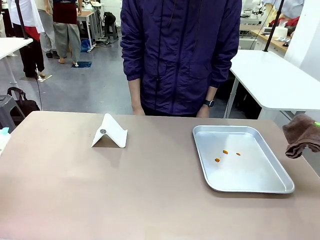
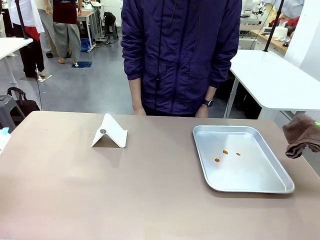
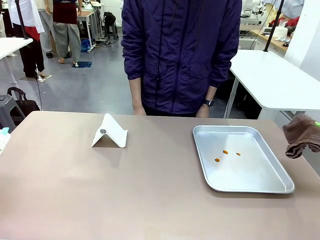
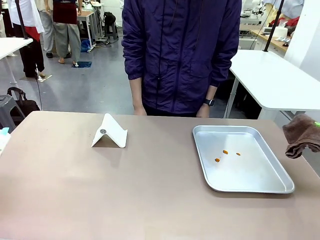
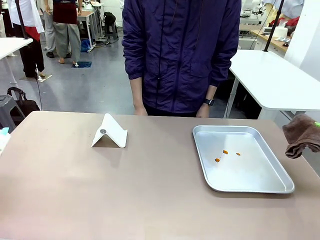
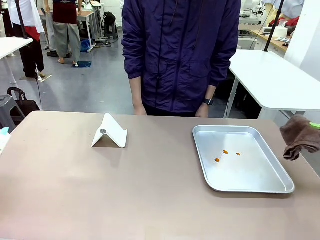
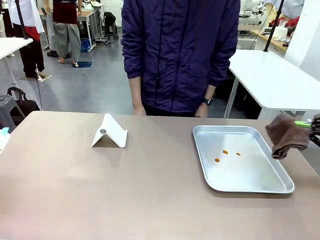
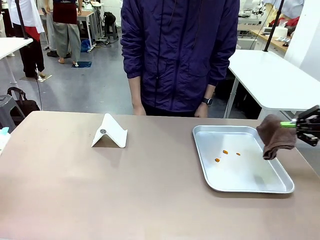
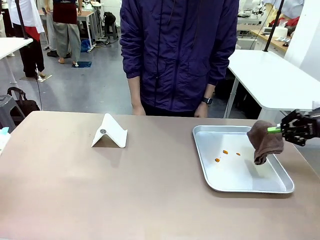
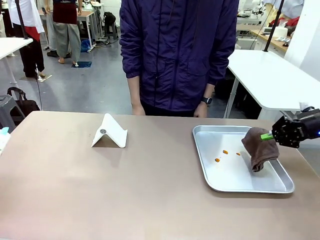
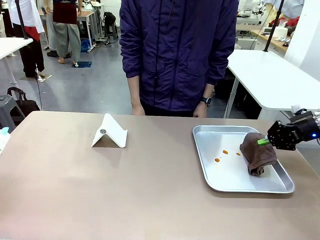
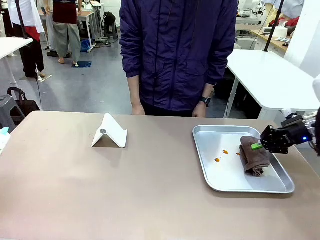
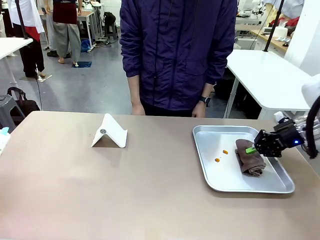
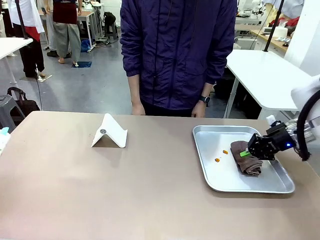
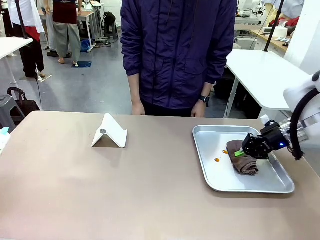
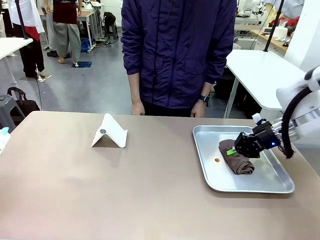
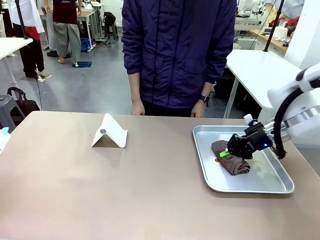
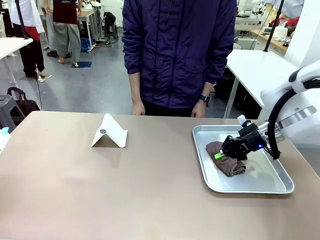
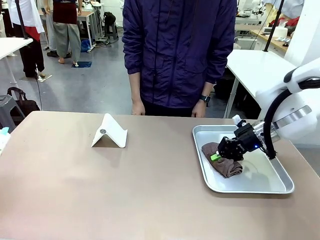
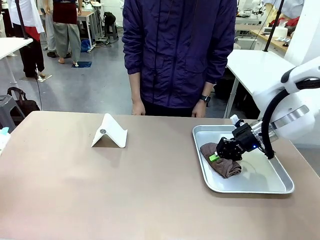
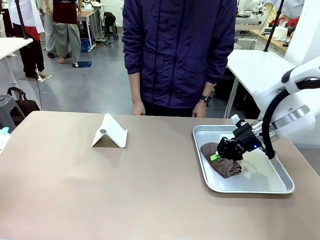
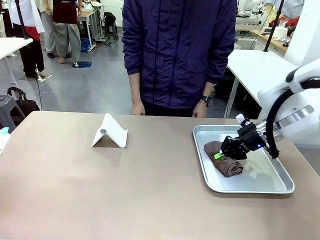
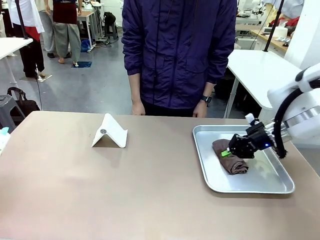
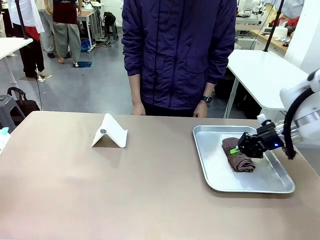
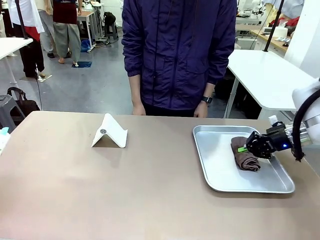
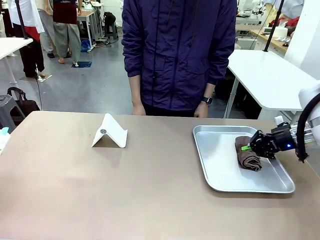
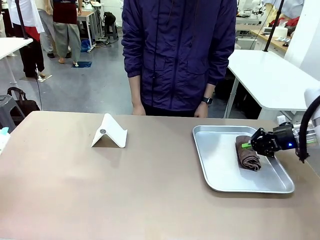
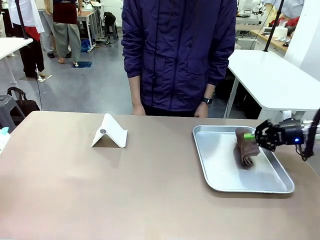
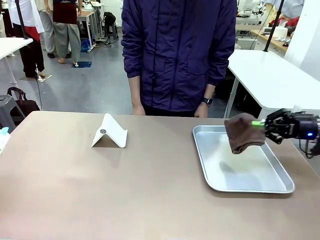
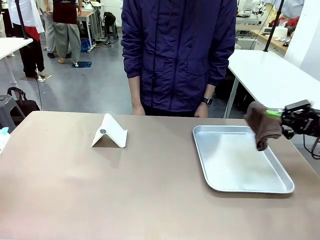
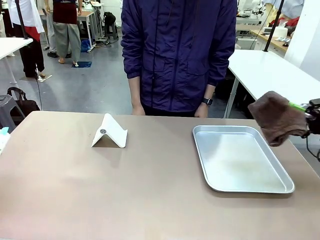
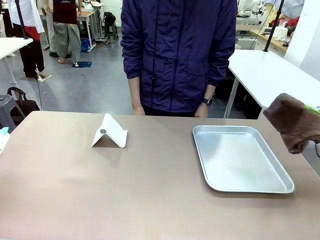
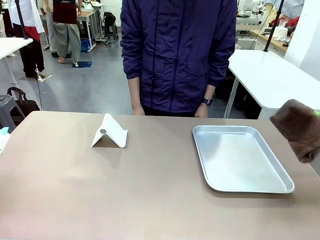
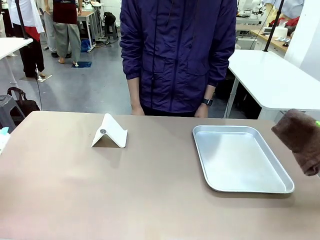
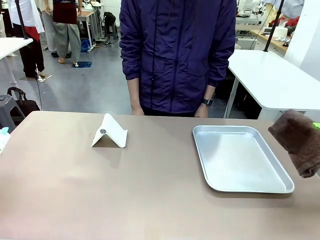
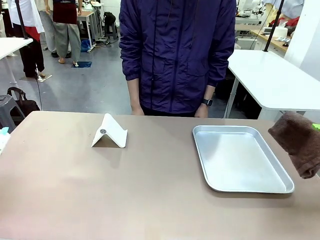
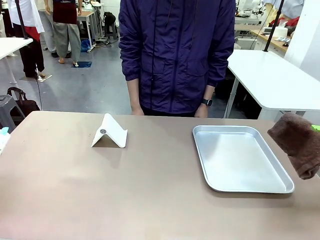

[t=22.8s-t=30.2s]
Task: Clean the surface of the table.
Robot: Clean the area not pointed to by the person.

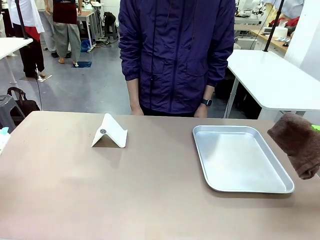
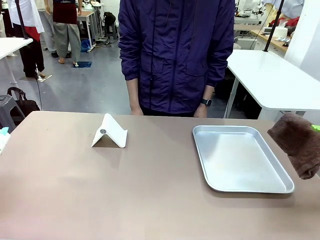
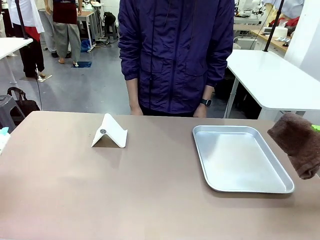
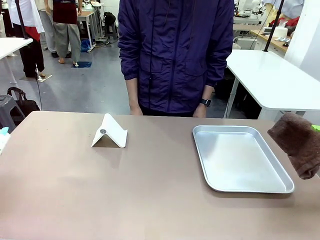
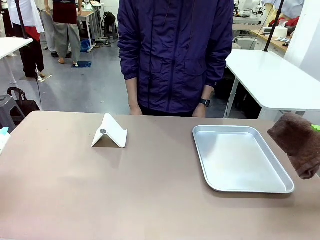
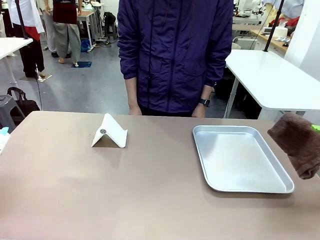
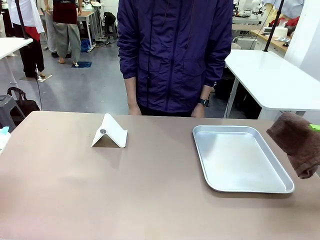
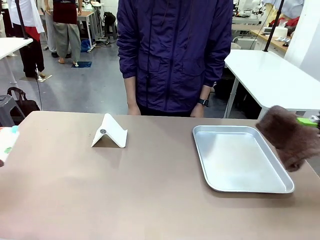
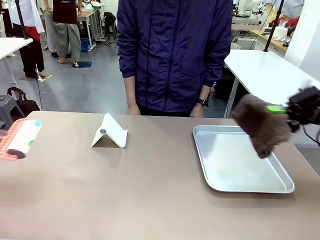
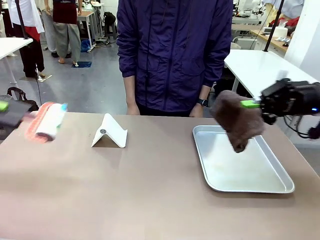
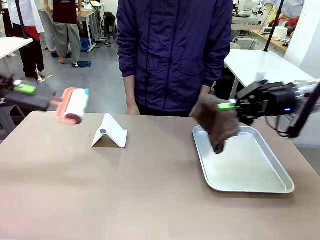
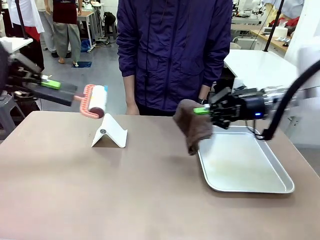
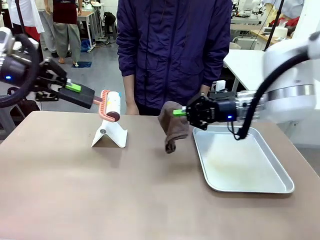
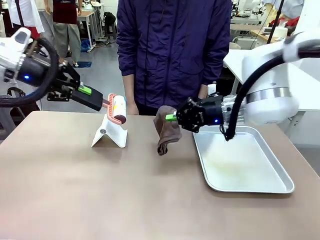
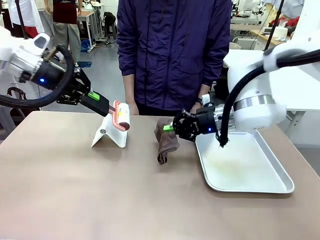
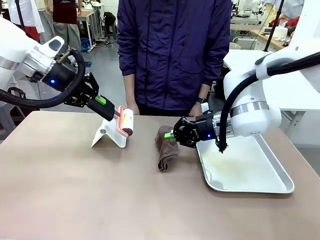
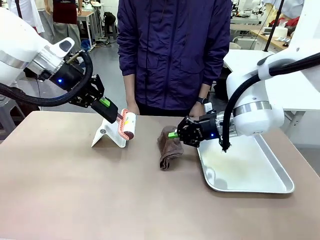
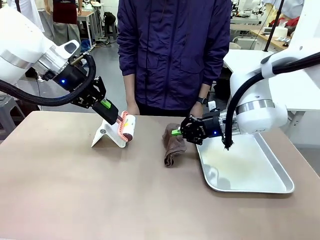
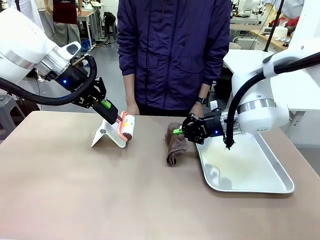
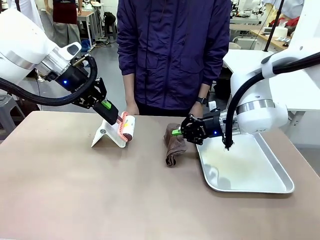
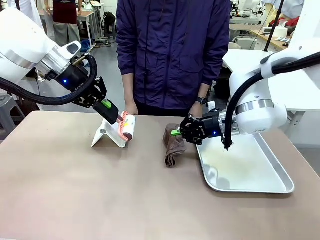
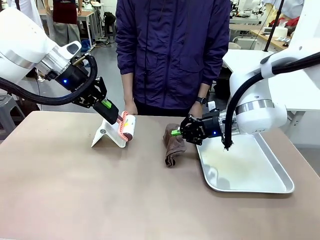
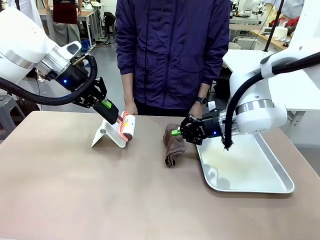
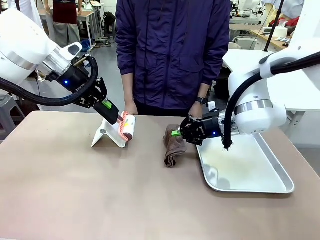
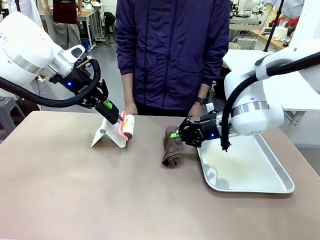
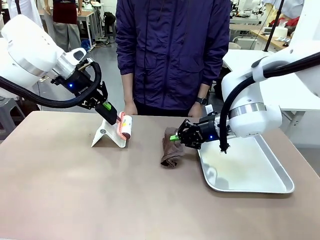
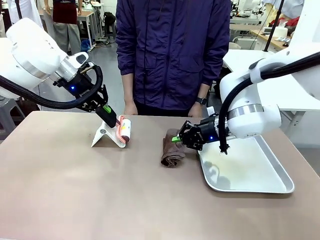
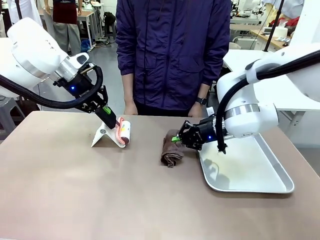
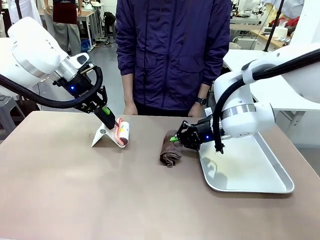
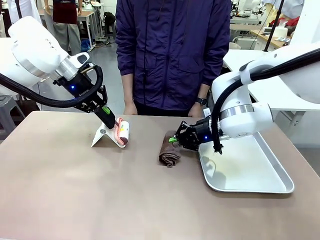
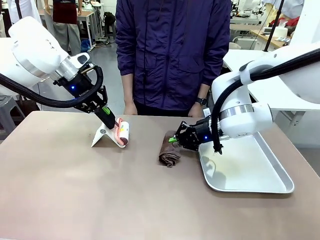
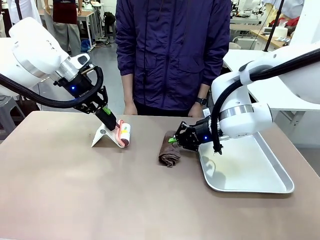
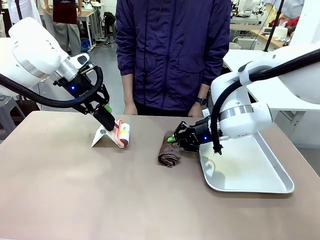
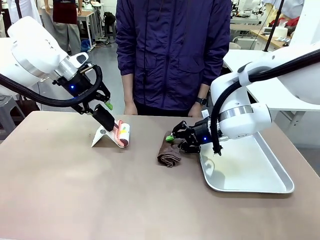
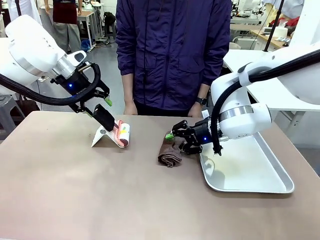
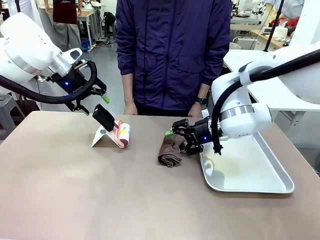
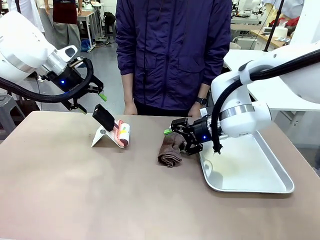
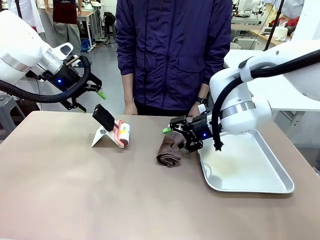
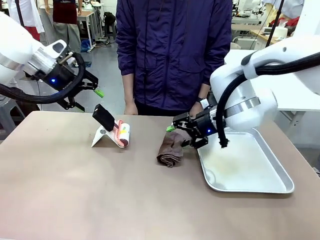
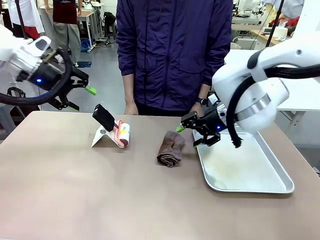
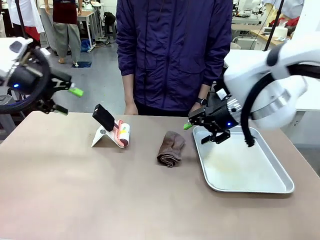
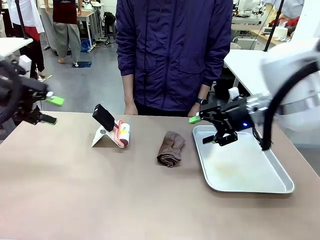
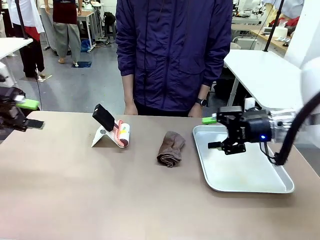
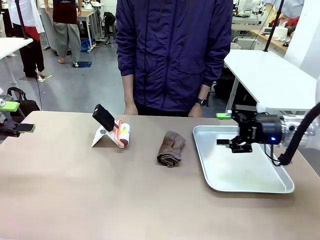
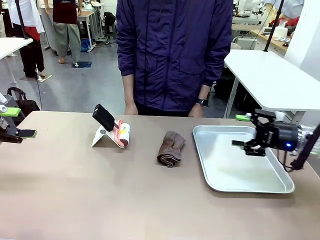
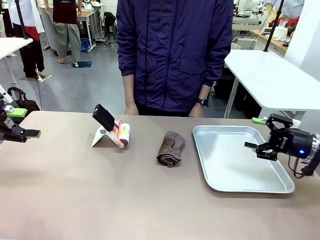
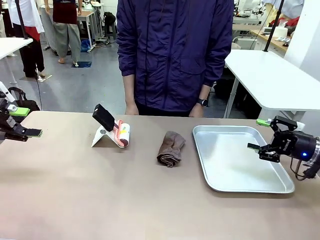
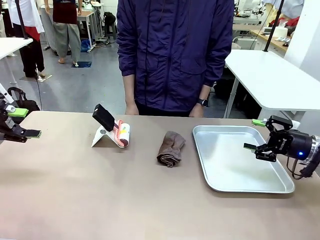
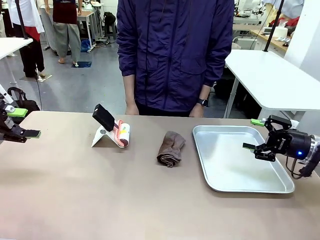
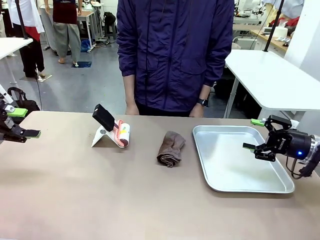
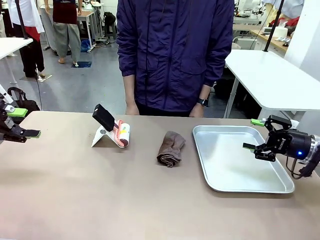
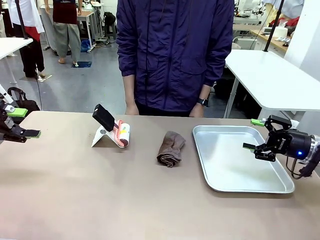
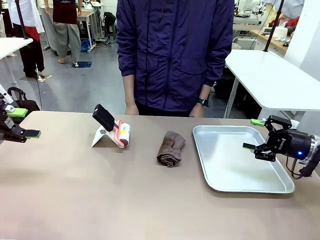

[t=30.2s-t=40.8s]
Robot: Return the Lint Roller and towel to their original positions.

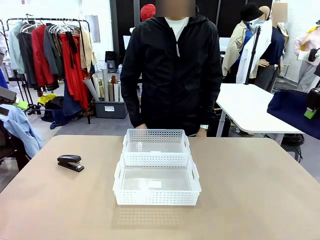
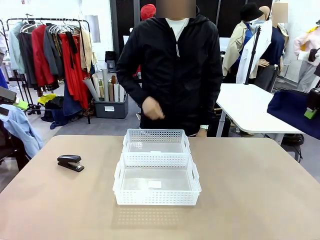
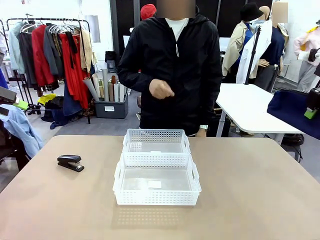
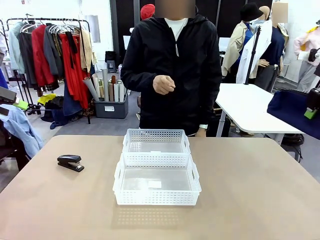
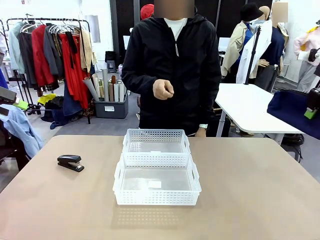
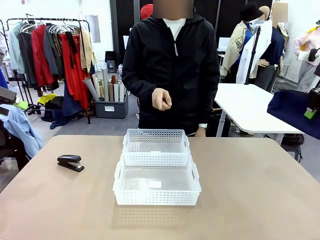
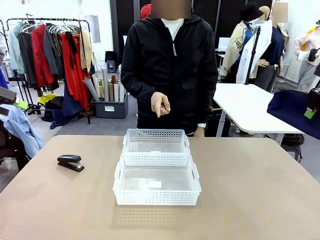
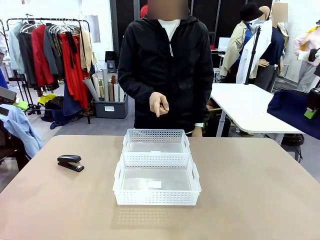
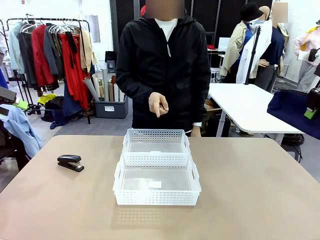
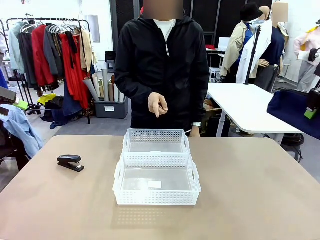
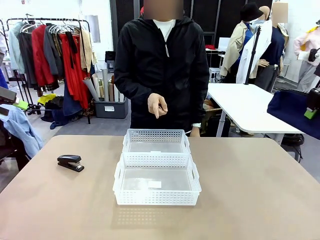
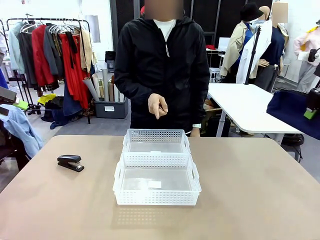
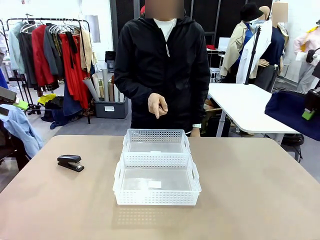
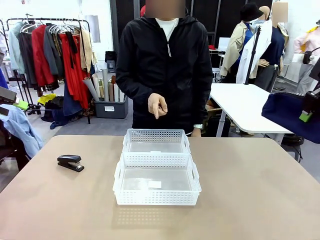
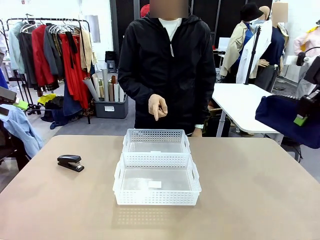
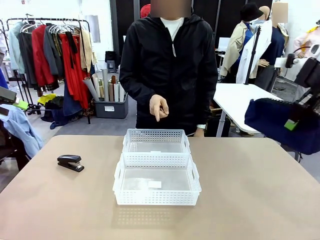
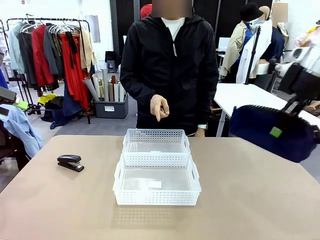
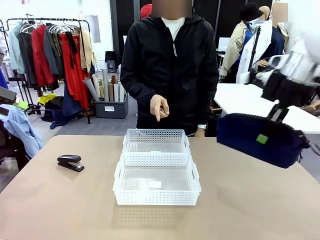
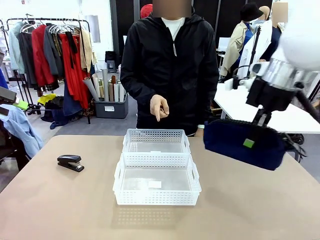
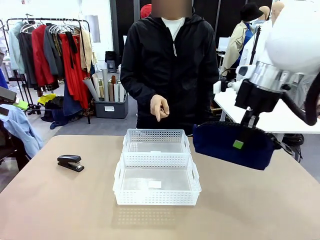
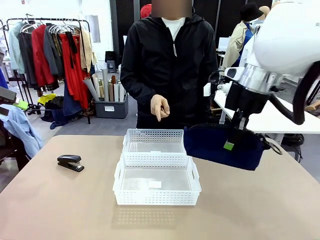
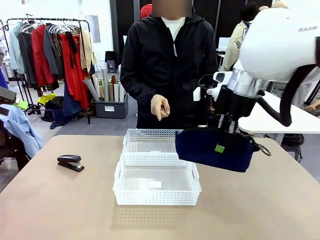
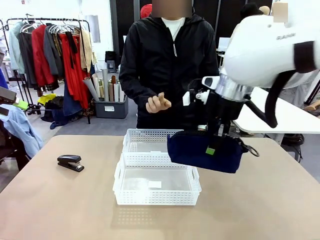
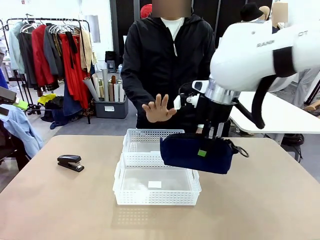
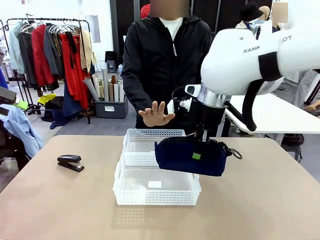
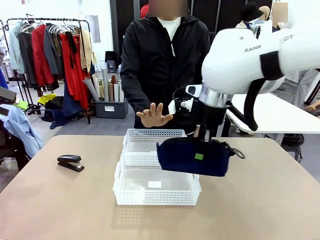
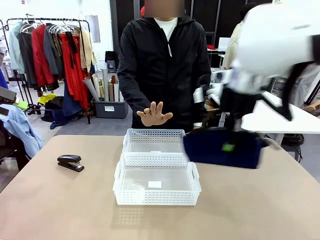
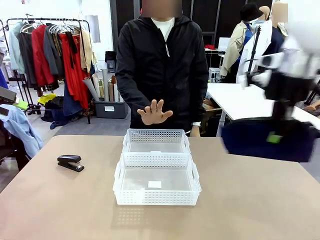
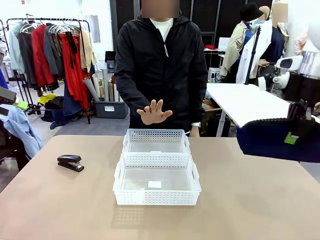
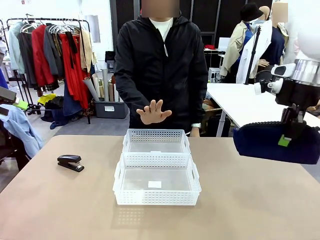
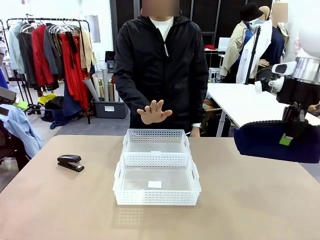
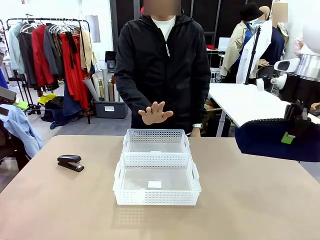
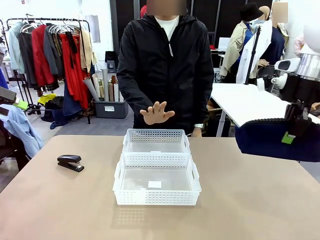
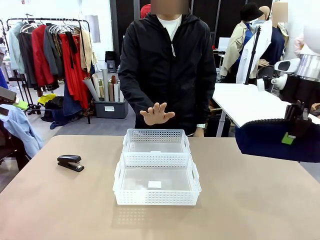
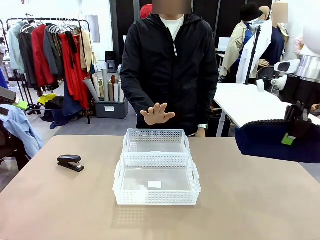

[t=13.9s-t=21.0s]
Task: Distribute items into two baskets.
Robot: Move the picked Pencil pouch towards the Organizing basket indicated by the person, stopping as directed.
Person: Sends a stop gesture before the robot places the pencil case into the basket.
